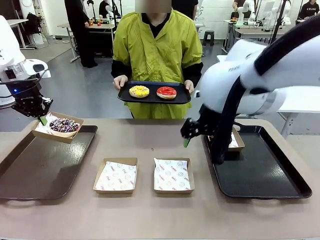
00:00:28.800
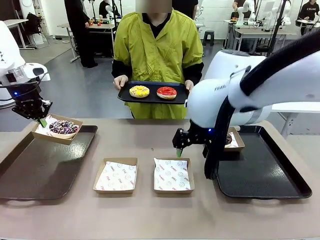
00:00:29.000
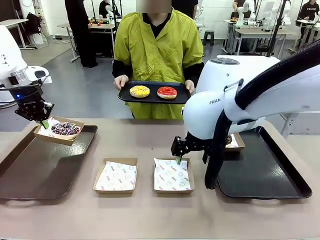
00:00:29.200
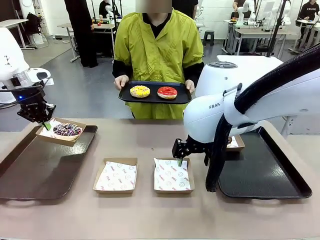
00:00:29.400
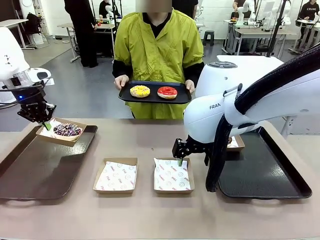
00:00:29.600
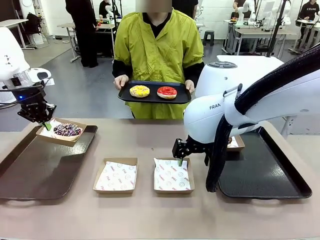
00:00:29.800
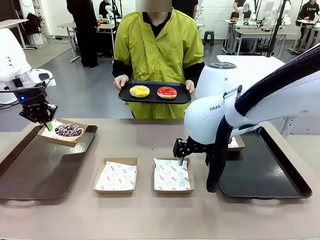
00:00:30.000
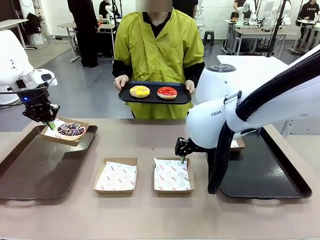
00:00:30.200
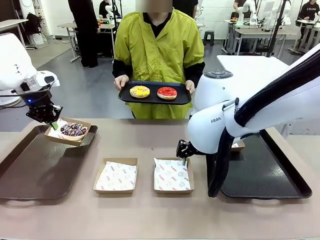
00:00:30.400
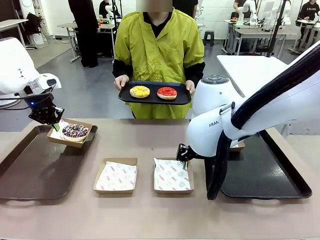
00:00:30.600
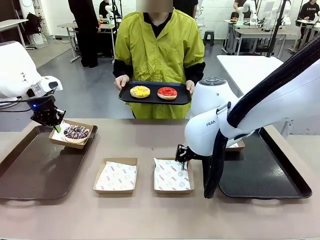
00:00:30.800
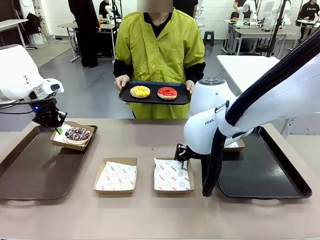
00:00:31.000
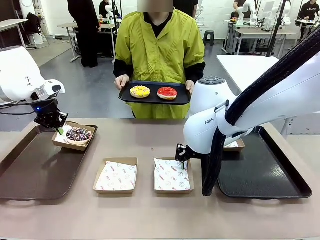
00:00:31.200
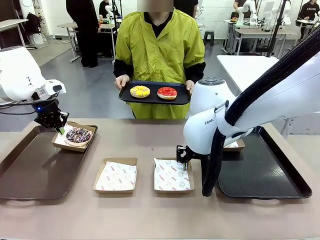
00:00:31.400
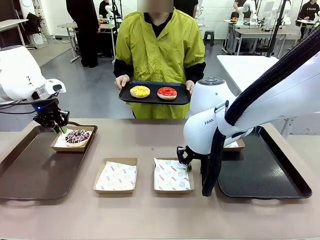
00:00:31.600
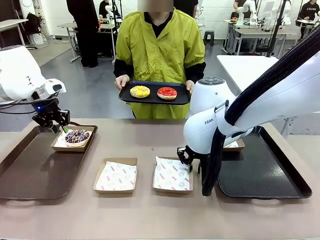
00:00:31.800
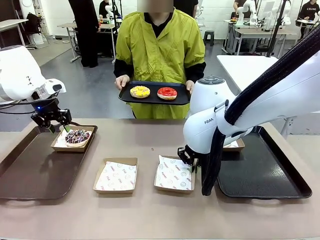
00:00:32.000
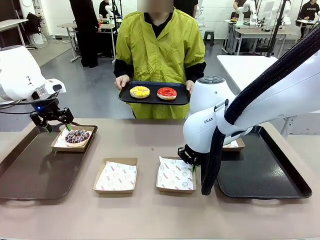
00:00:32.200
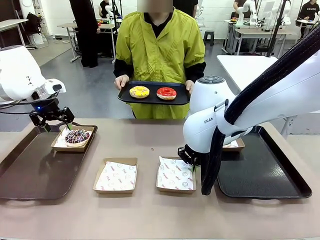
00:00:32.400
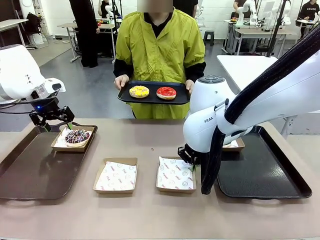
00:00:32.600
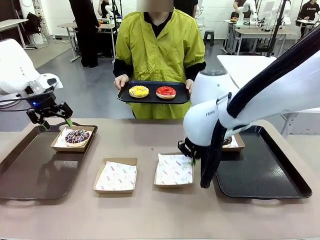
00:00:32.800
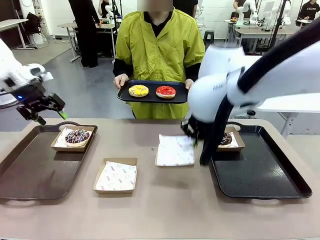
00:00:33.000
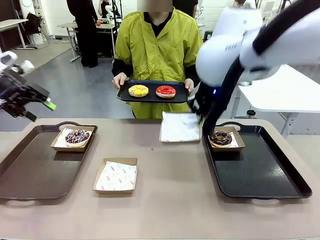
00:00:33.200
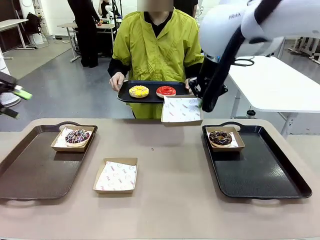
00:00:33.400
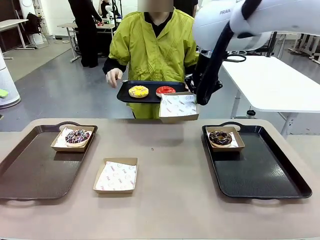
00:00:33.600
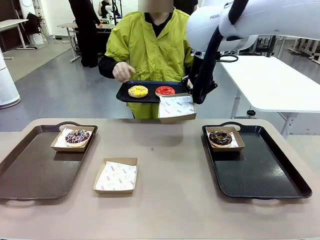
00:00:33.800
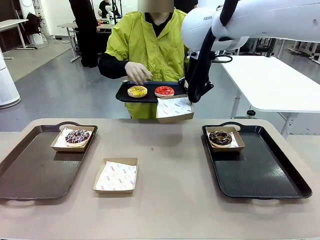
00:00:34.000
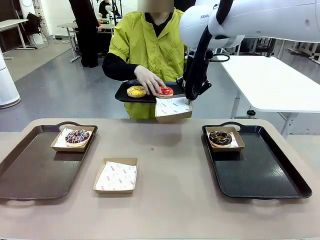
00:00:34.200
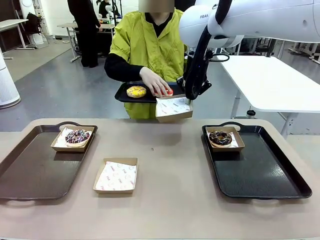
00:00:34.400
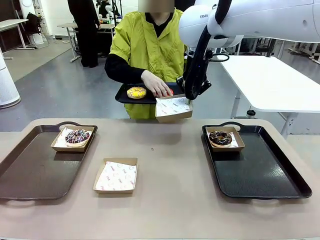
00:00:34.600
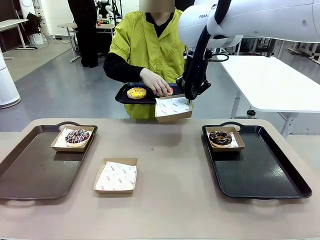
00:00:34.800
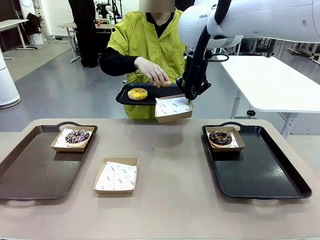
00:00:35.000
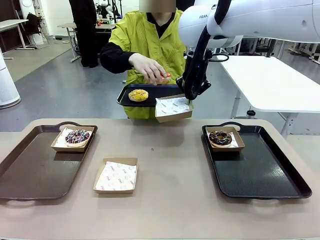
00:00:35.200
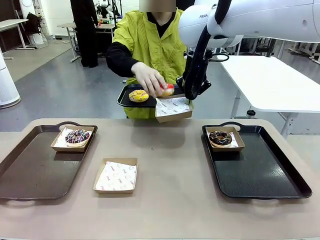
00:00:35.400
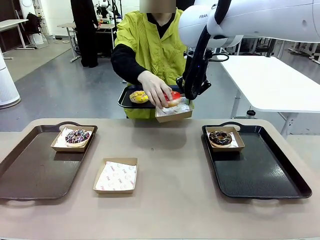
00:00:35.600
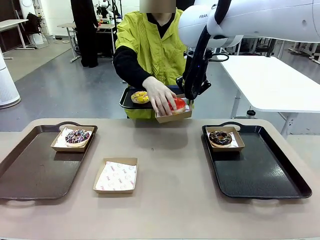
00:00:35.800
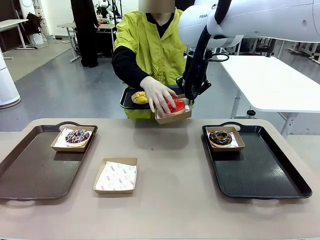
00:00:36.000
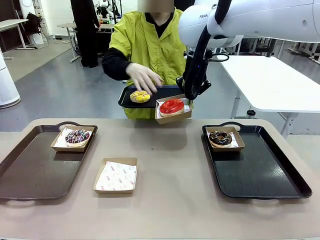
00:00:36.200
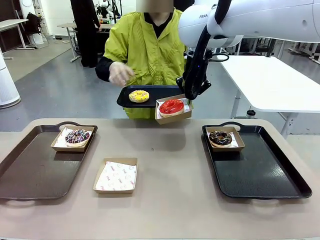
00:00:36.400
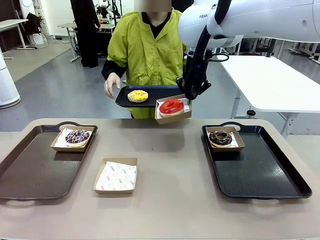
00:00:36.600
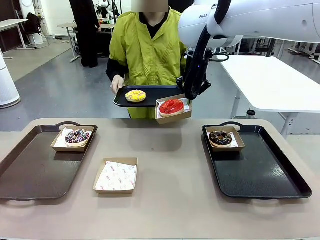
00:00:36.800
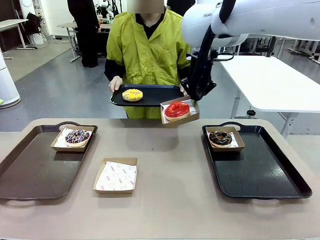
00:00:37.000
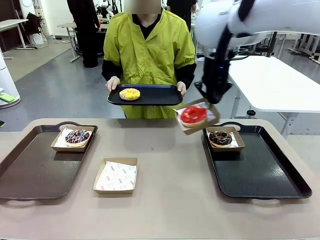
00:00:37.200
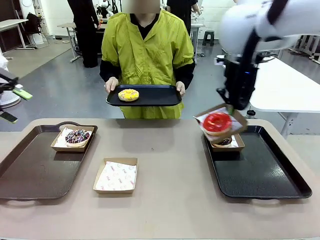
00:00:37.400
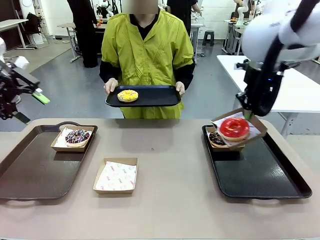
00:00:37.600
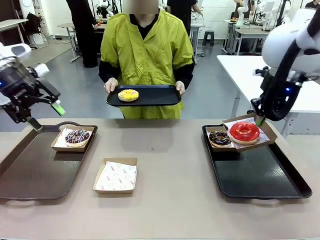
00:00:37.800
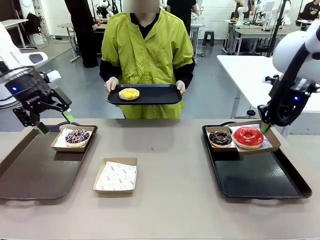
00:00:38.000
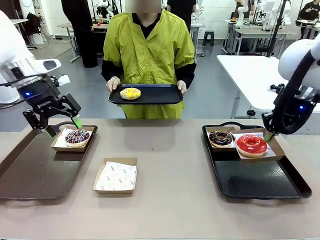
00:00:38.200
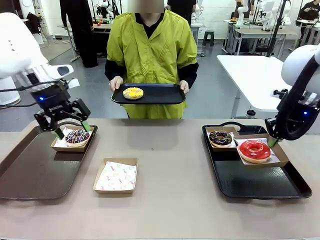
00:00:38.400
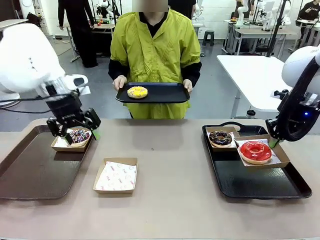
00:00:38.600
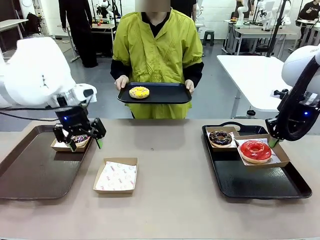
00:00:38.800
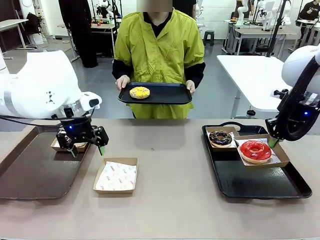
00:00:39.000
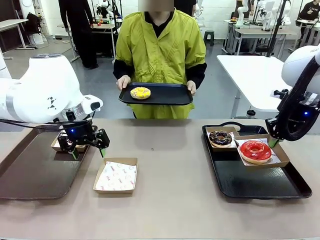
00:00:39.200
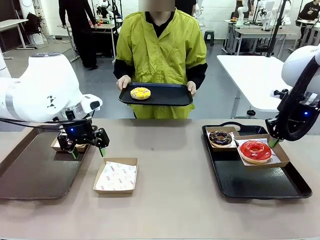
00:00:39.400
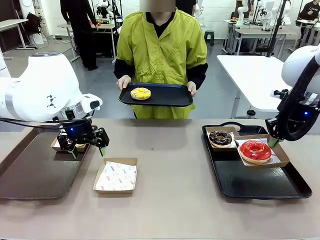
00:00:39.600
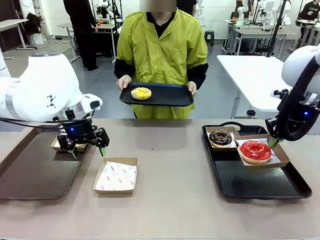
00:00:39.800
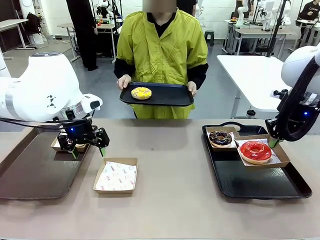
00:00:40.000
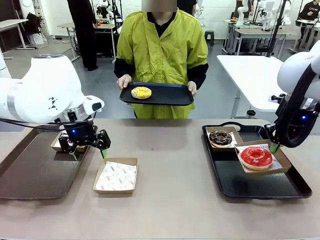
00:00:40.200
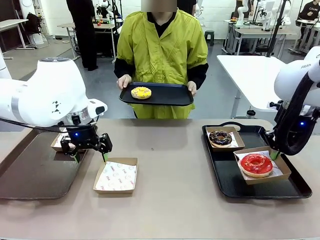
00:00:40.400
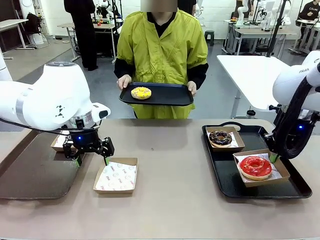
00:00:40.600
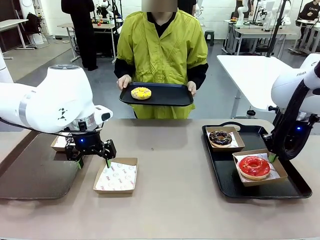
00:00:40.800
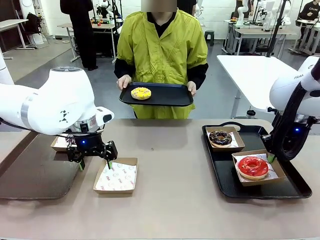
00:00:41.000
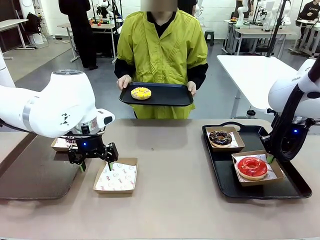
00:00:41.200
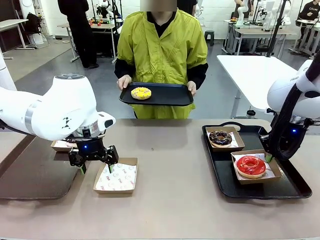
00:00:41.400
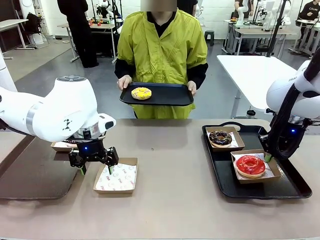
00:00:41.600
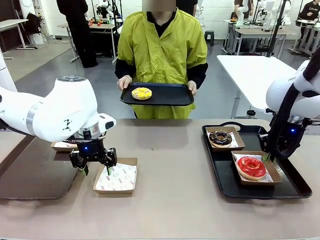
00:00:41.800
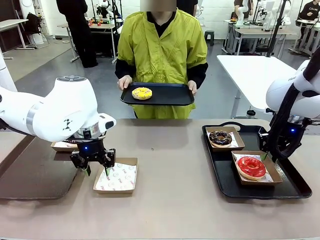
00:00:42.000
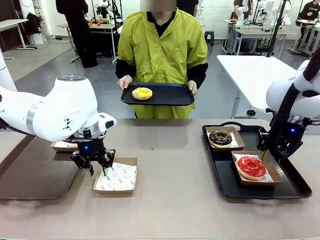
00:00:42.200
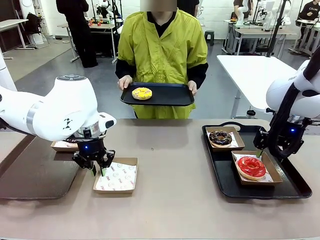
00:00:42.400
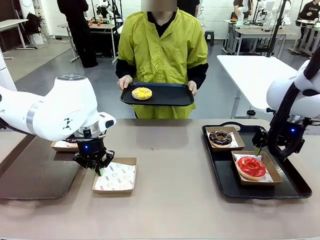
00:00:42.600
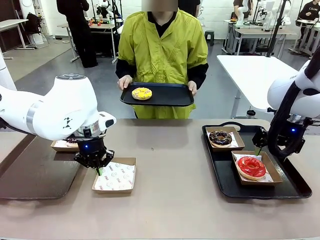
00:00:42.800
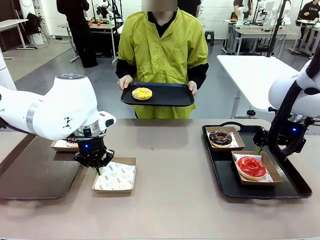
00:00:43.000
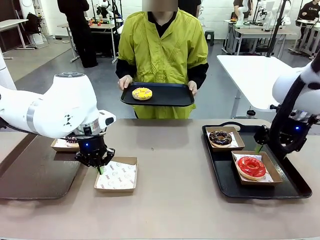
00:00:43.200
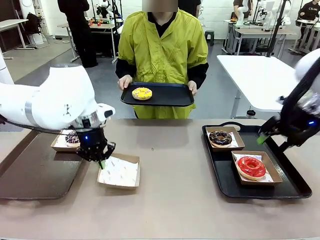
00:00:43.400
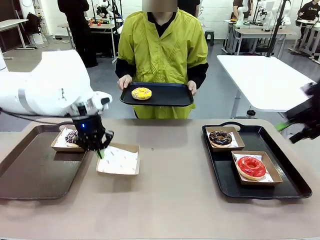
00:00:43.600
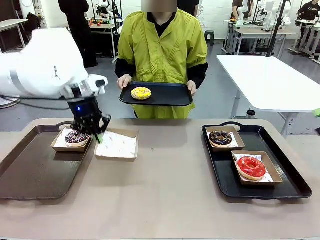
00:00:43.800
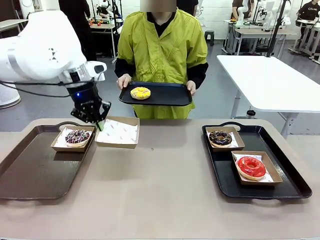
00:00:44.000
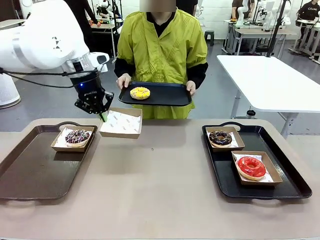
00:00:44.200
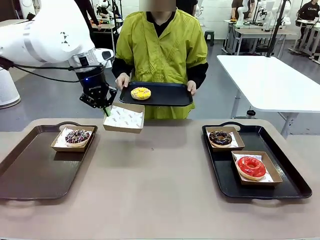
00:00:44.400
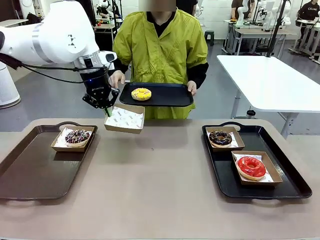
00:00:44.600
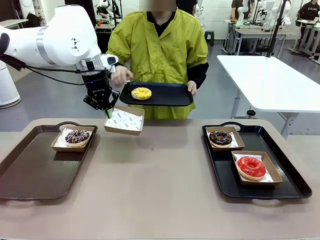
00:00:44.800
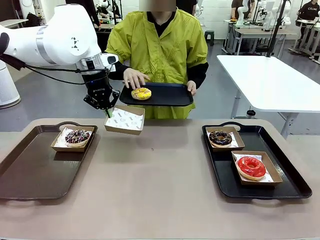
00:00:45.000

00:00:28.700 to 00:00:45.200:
Task: Individually package the donuts and arrange them on the tray.
Robot: Place the picked Paper togo box on the Handle tray while simultaneously picking up another Paper togo box from the table with the other hand.
